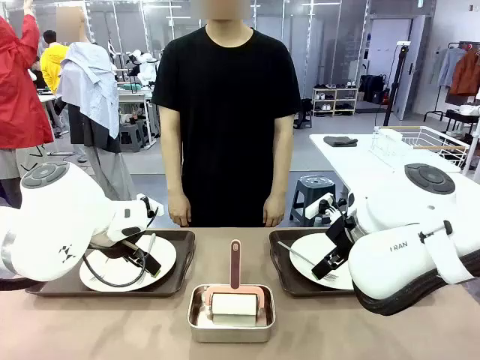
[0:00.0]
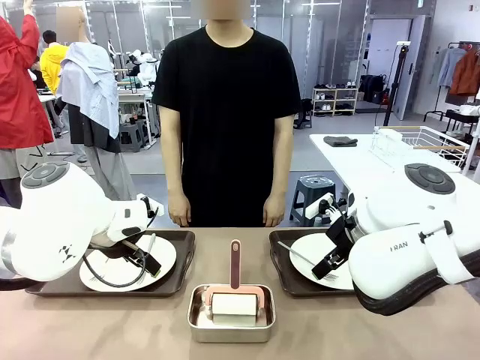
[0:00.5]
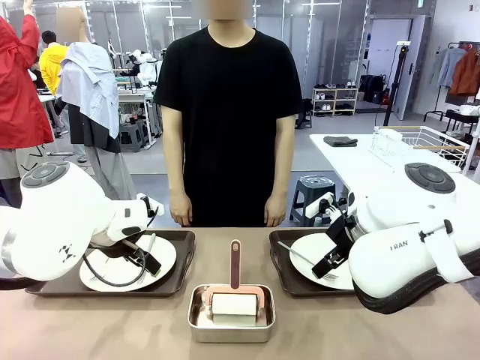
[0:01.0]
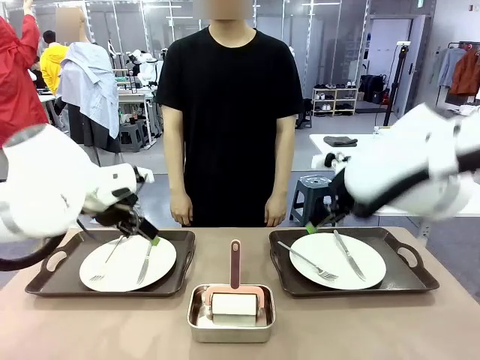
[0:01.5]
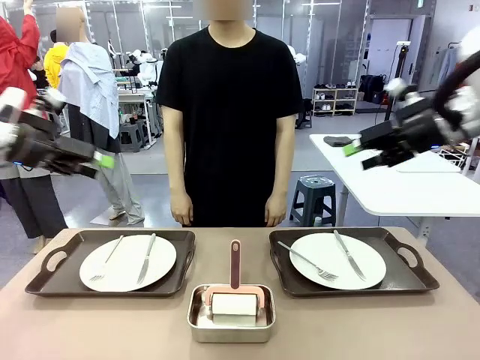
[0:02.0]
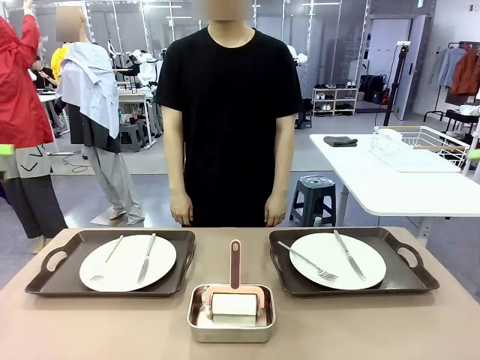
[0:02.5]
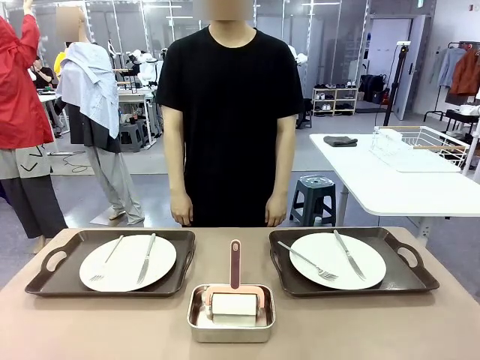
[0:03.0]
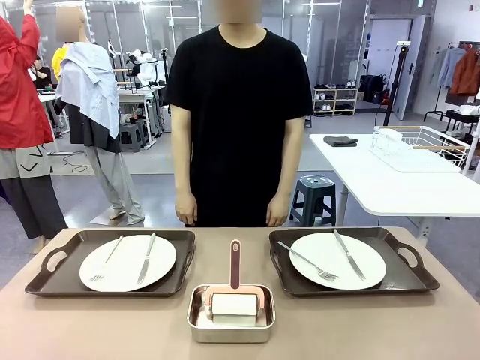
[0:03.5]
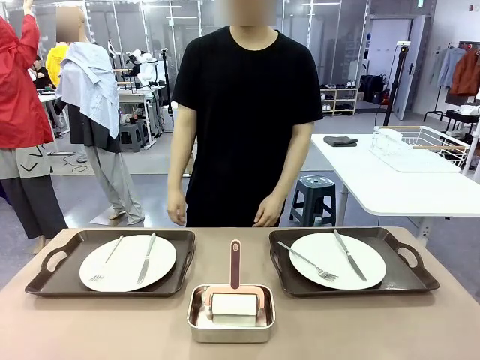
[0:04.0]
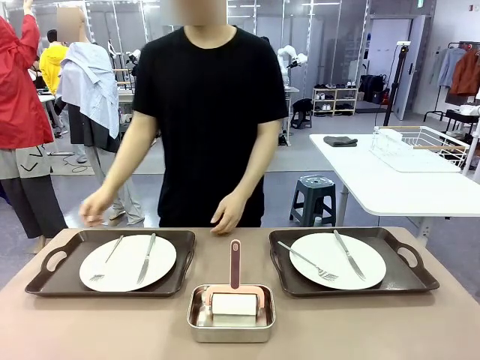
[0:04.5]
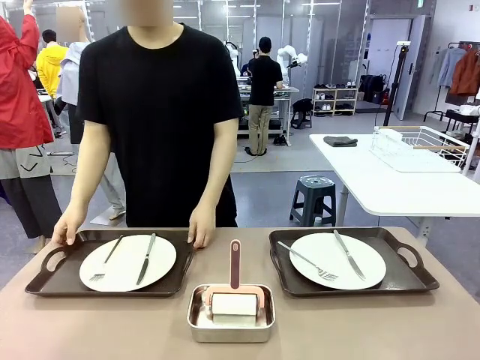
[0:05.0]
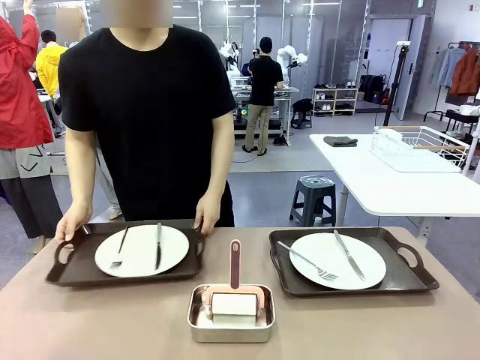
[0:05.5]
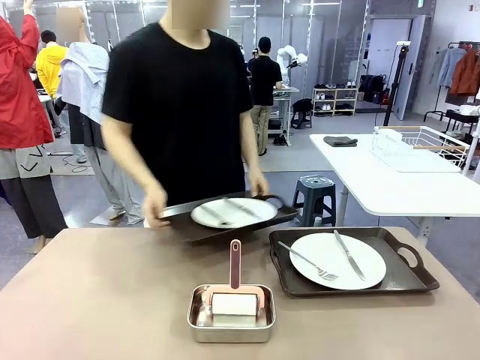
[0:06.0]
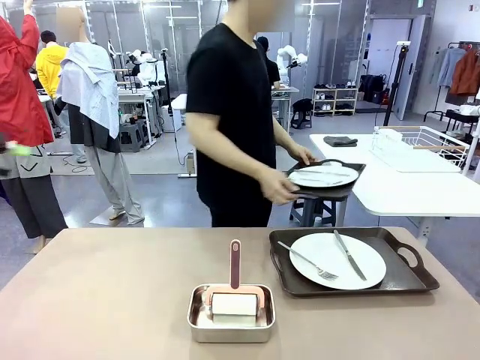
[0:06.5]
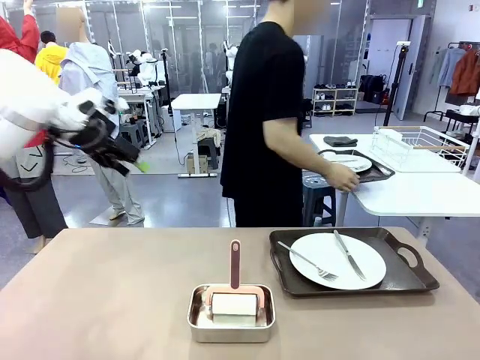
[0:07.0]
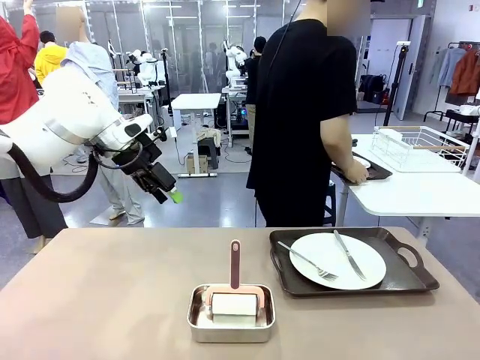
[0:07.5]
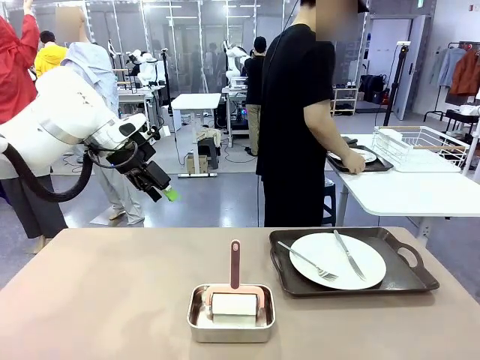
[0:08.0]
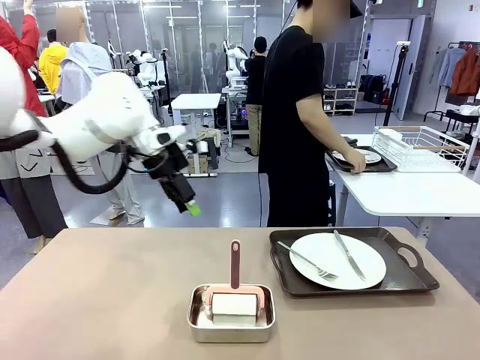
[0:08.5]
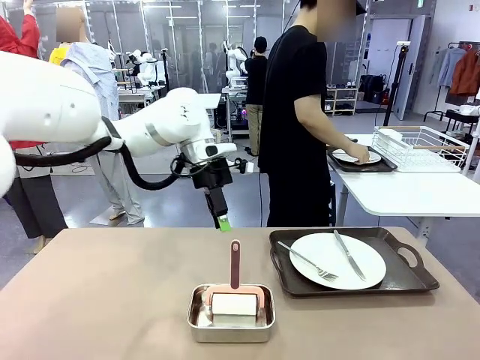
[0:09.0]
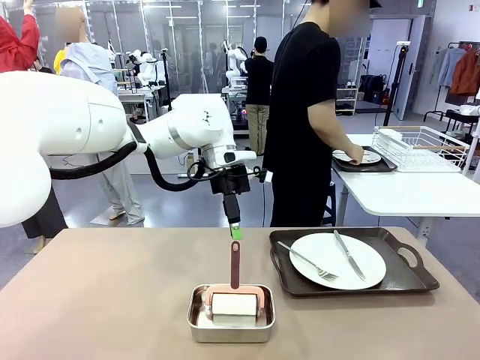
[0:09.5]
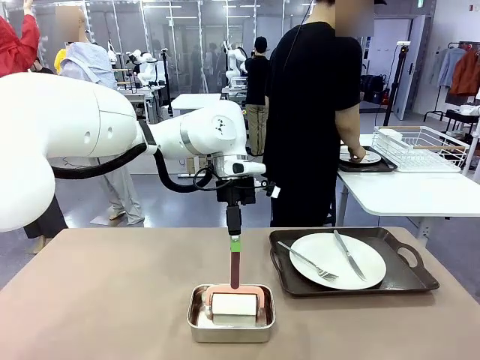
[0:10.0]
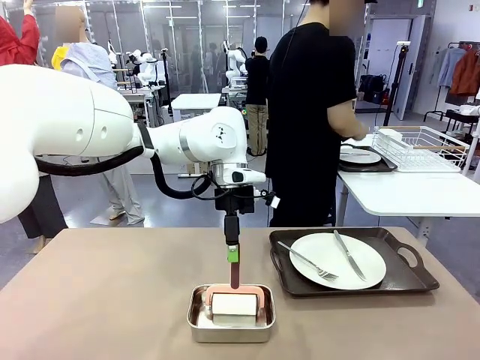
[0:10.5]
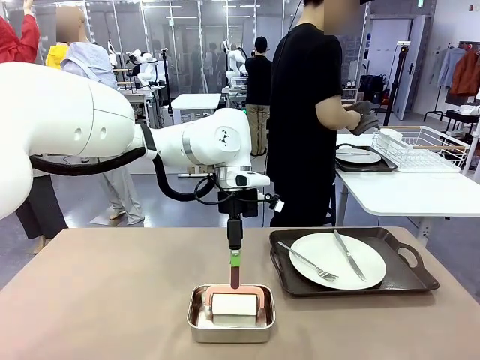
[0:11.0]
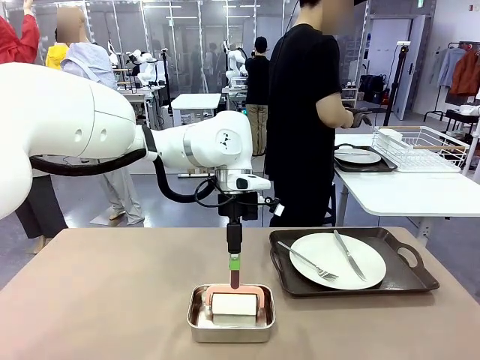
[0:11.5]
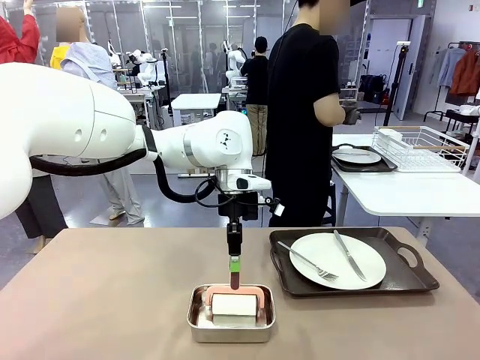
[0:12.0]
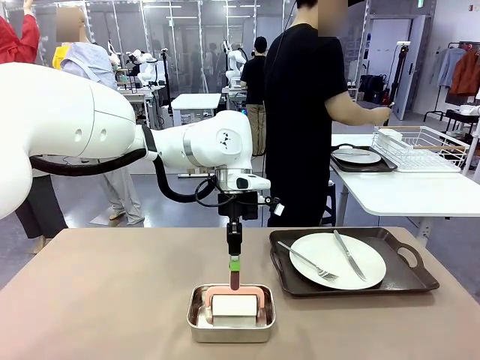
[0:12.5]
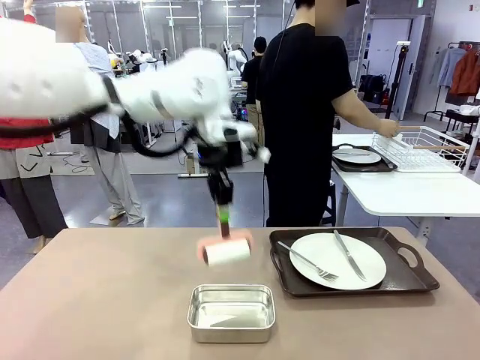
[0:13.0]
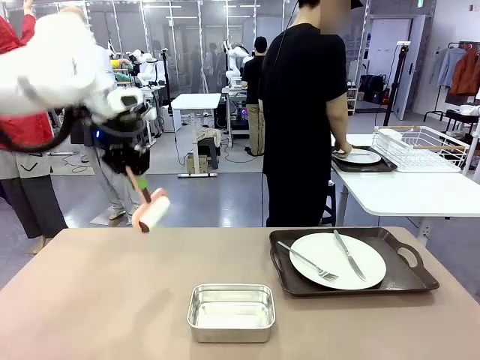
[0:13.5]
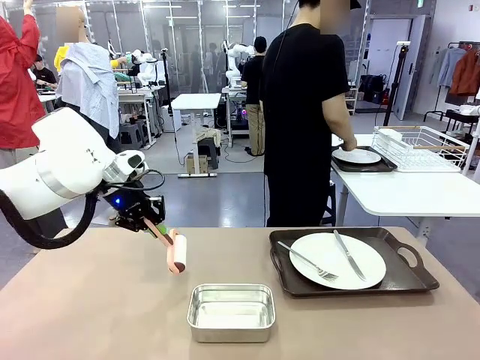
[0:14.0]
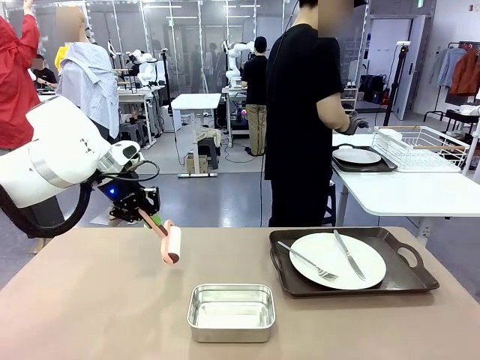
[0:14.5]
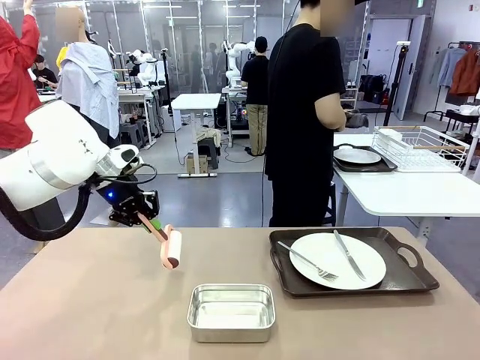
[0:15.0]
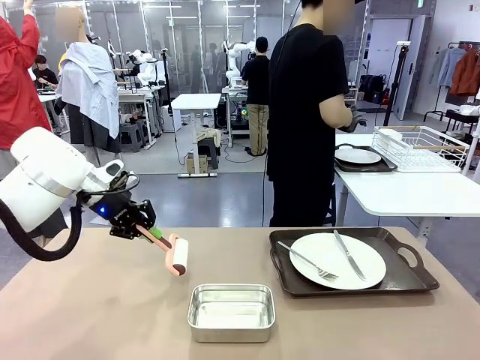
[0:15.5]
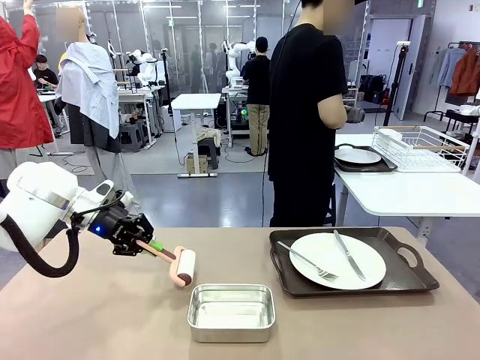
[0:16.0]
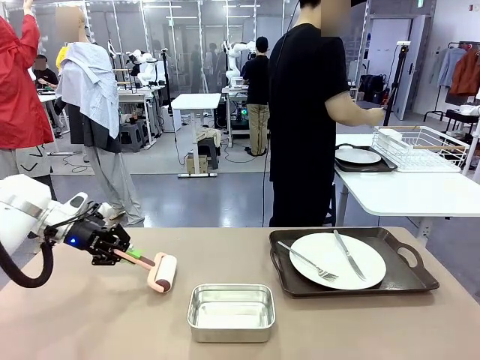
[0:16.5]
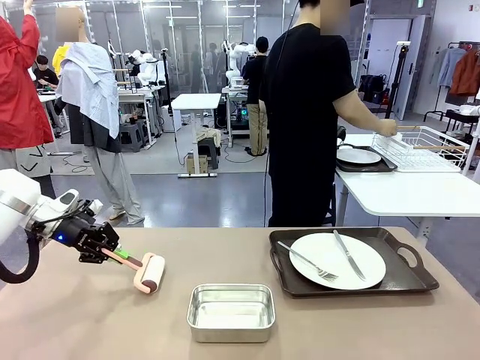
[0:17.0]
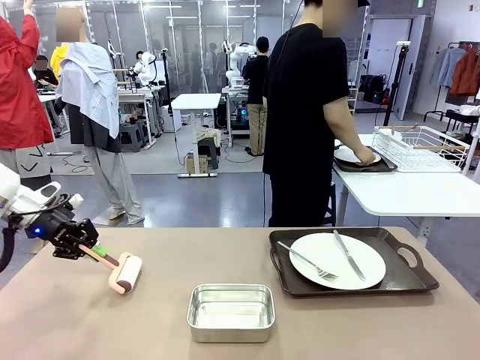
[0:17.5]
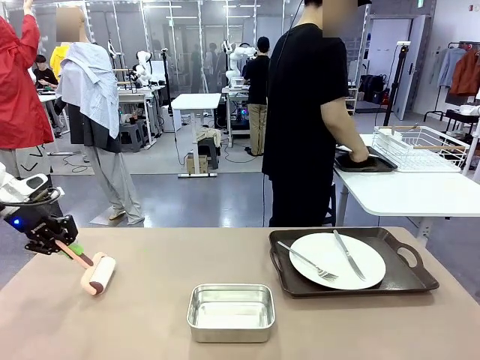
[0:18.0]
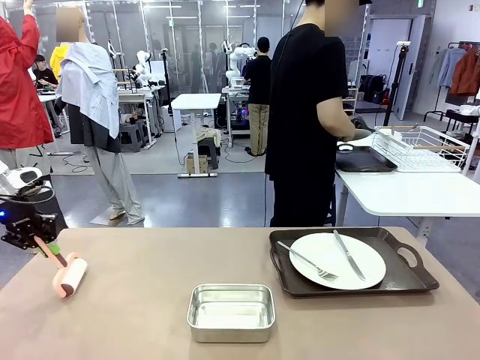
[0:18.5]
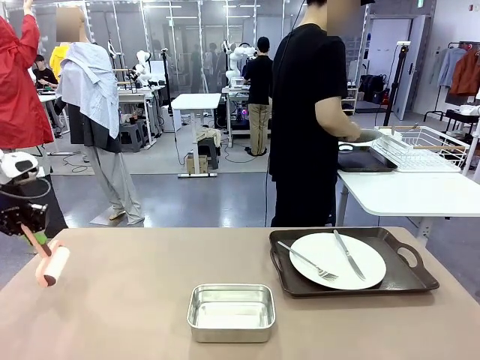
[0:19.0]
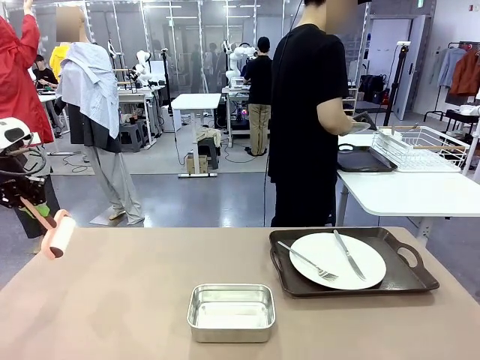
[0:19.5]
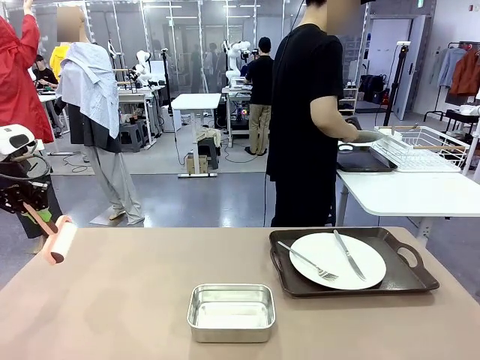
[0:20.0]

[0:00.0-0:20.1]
Robot: When the left (or right) Handle tray is removed, use the left hand (or right hand) to clean the left (or right) side of the table with the Lint Roller.
Person: Pick up the left (or right) Handle tray and place it on the middle of the Human's table. Use the Towel with hook to wipe the Plastic Matte Plate , Fork , and Knife and place into the Dish drying rack.

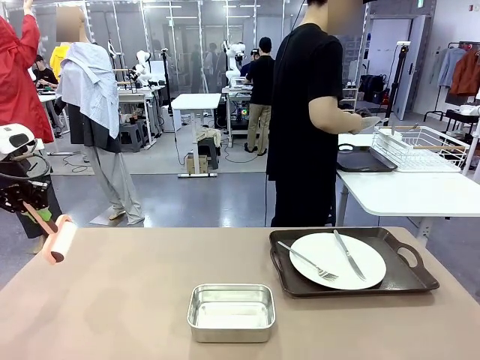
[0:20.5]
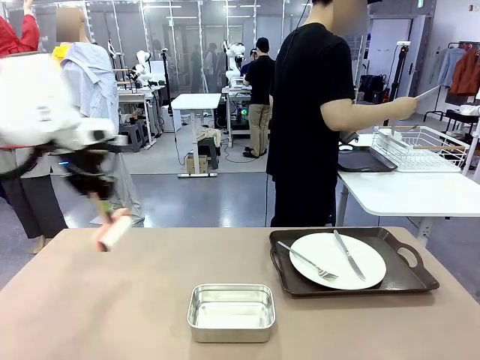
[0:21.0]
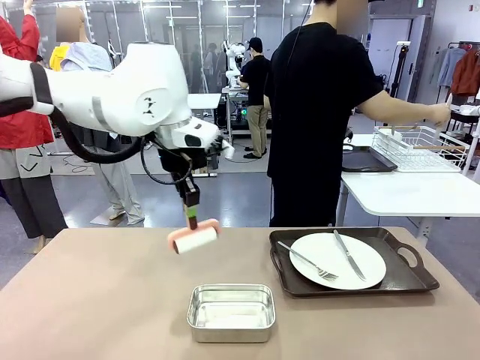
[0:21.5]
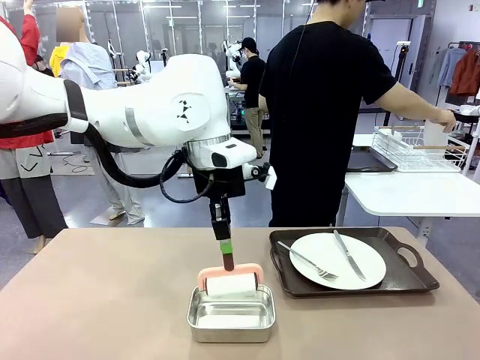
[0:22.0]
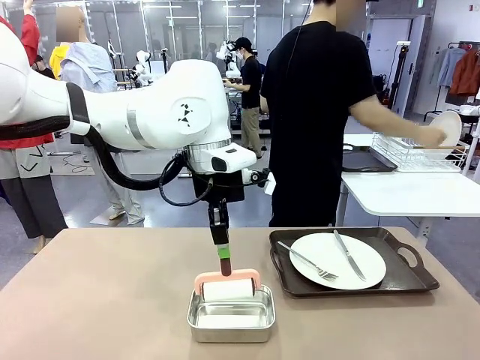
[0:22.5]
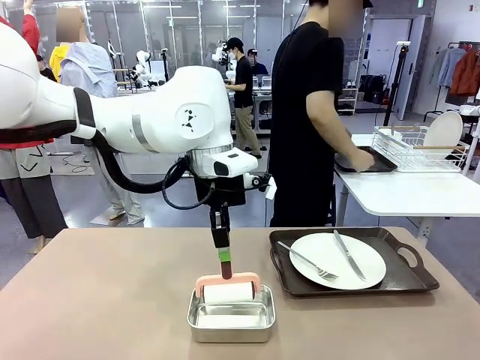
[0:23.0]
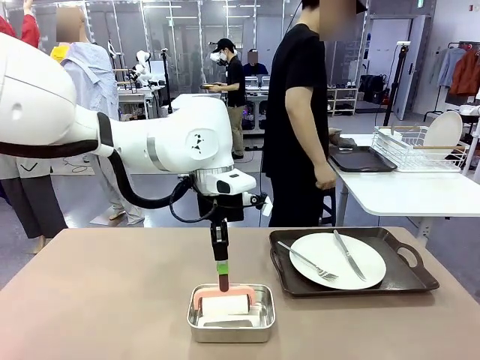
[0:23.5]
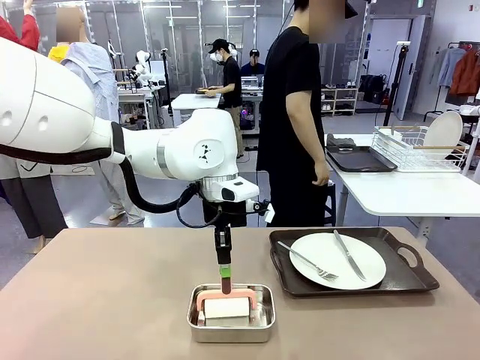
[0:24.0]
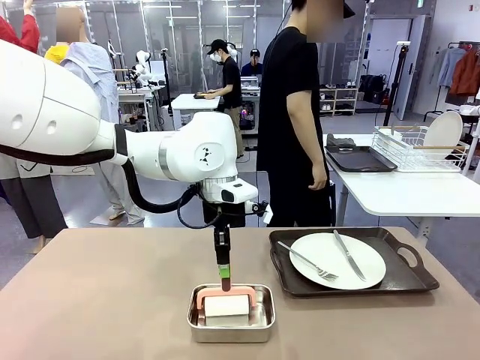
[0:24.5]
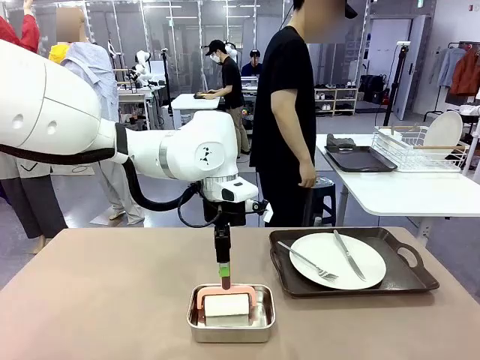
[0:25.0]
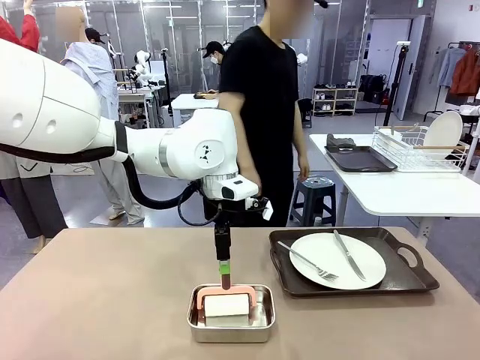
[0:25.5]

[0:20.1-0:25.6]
Robot: Place the Lint Roller back on top of the Airtight Container.
